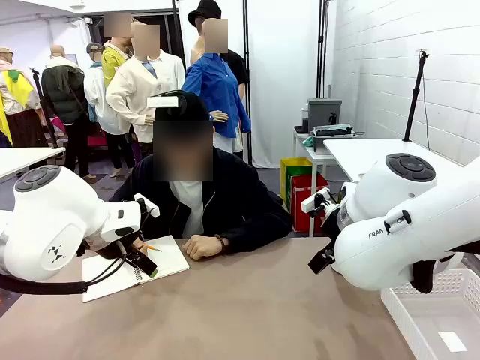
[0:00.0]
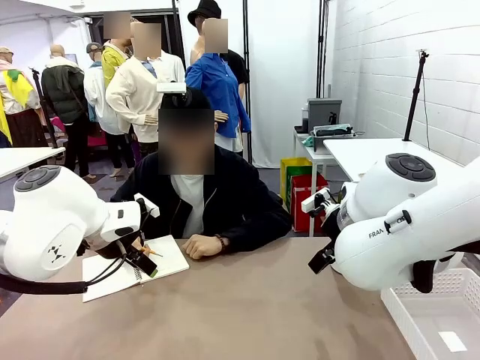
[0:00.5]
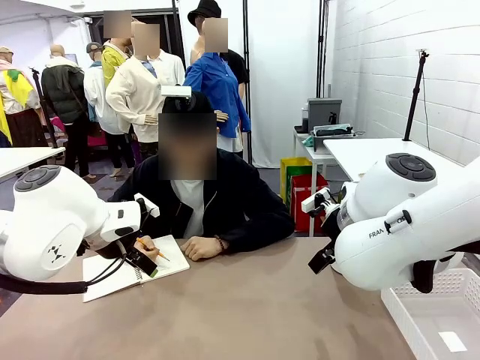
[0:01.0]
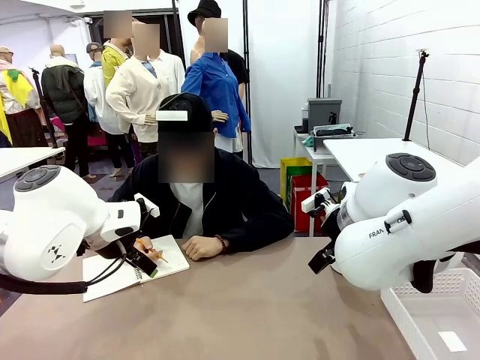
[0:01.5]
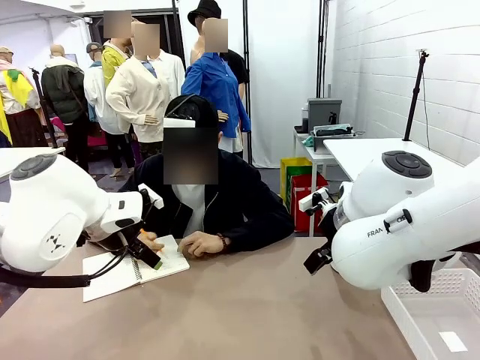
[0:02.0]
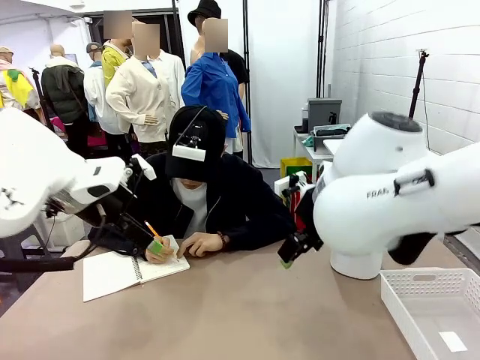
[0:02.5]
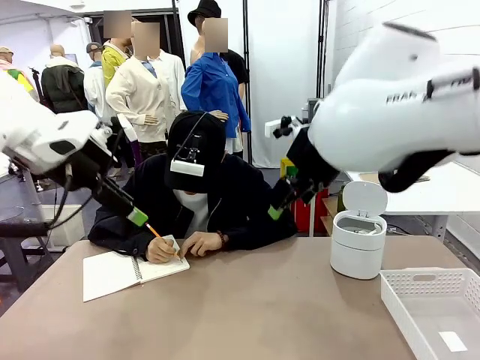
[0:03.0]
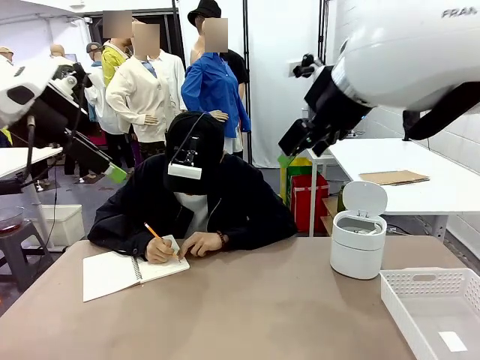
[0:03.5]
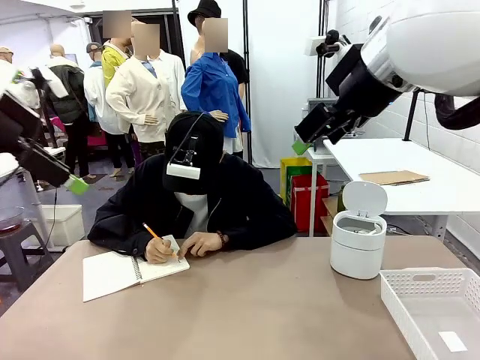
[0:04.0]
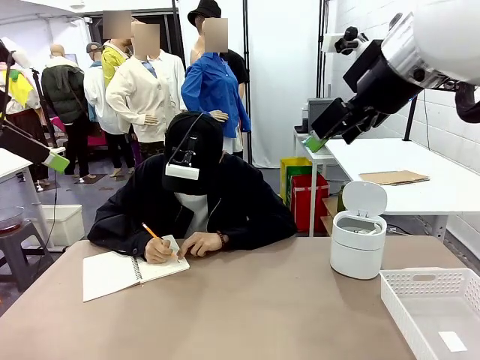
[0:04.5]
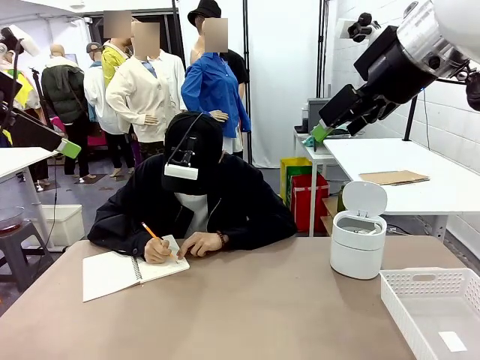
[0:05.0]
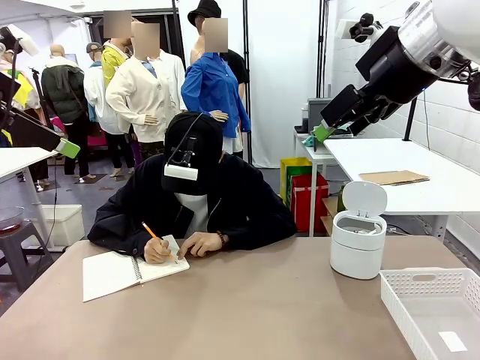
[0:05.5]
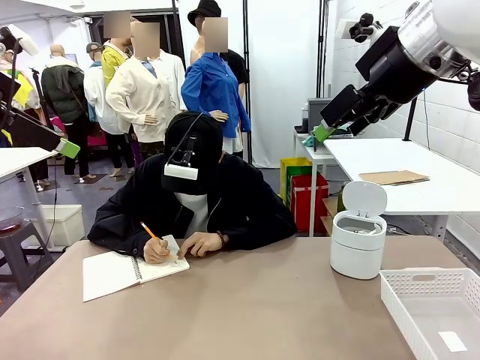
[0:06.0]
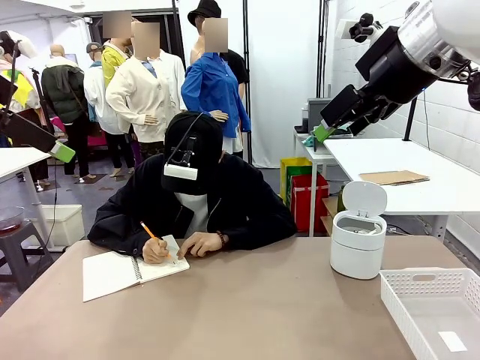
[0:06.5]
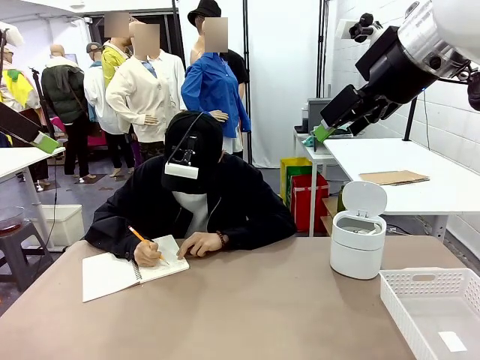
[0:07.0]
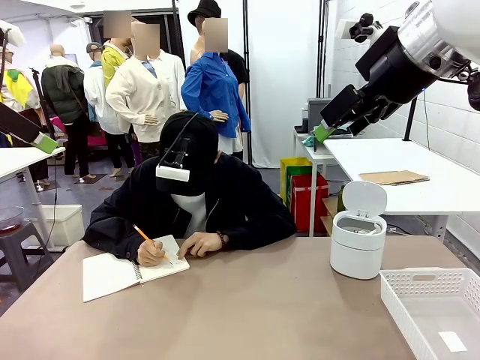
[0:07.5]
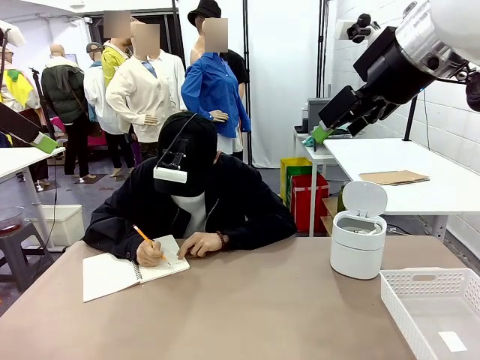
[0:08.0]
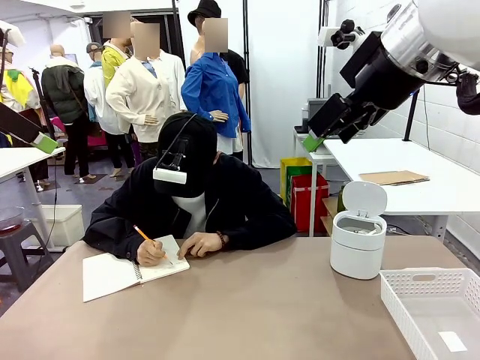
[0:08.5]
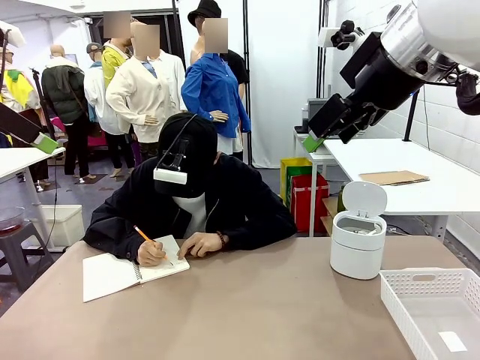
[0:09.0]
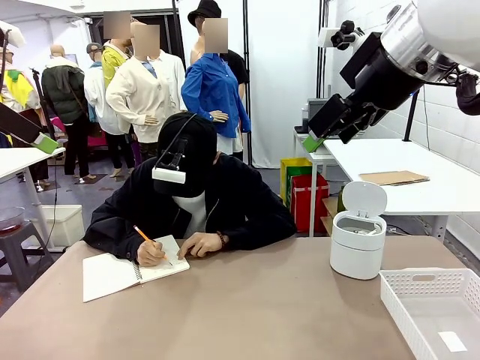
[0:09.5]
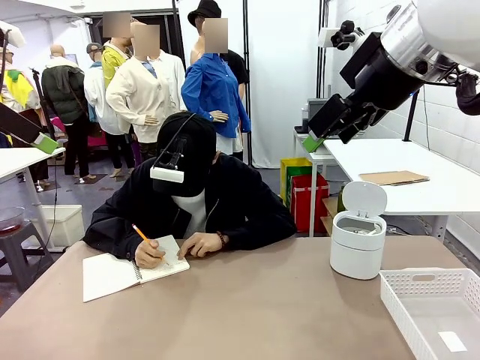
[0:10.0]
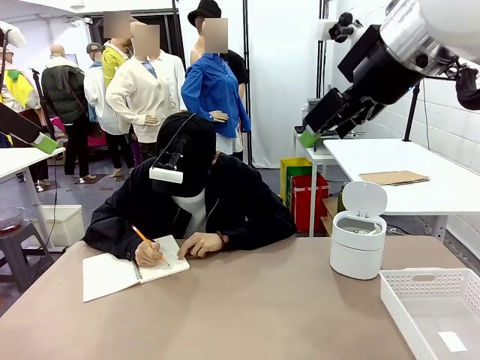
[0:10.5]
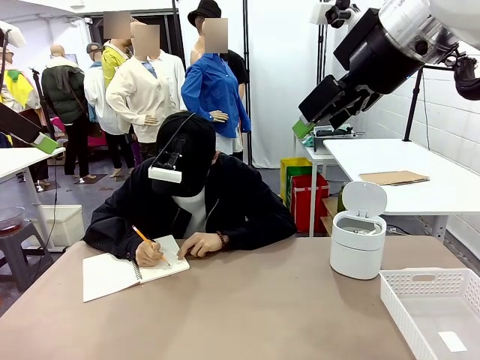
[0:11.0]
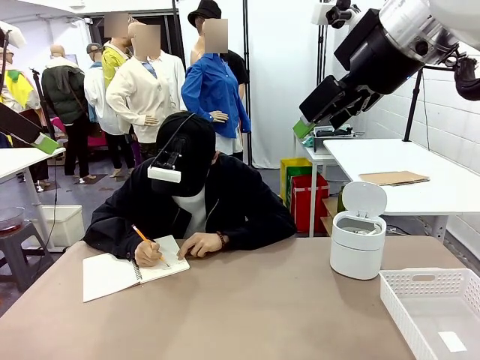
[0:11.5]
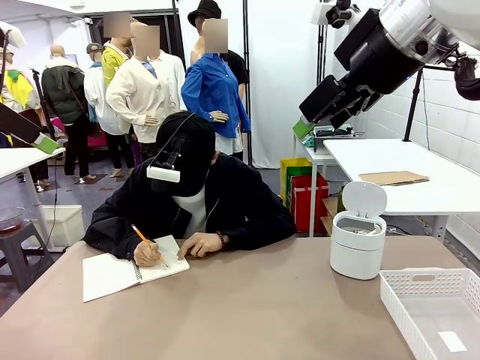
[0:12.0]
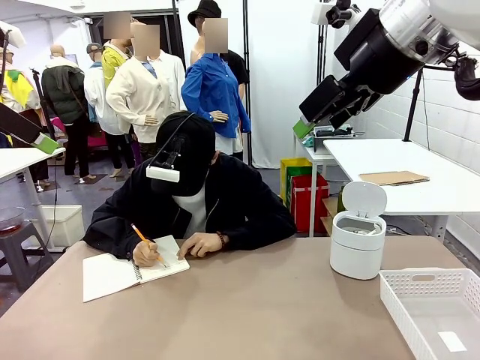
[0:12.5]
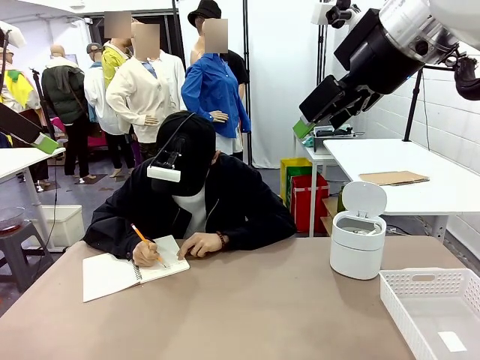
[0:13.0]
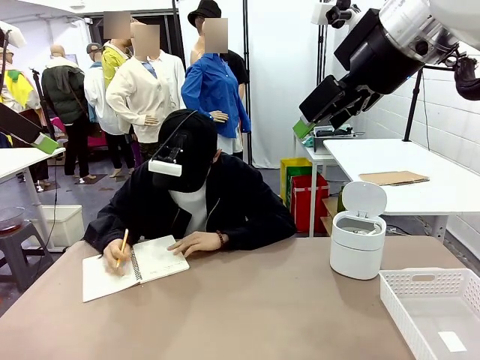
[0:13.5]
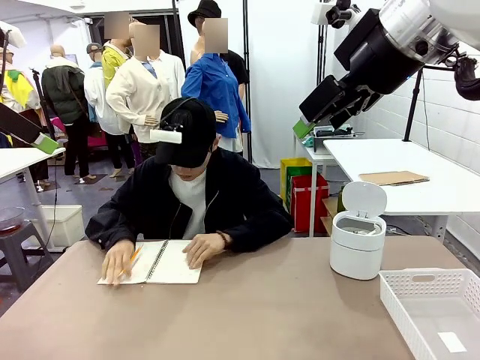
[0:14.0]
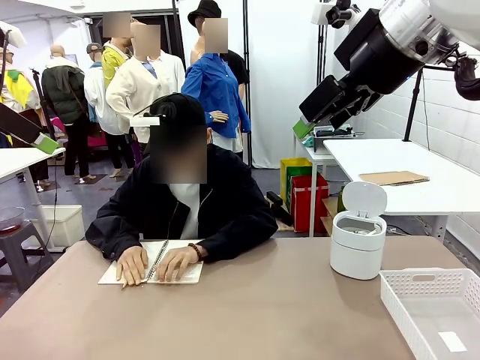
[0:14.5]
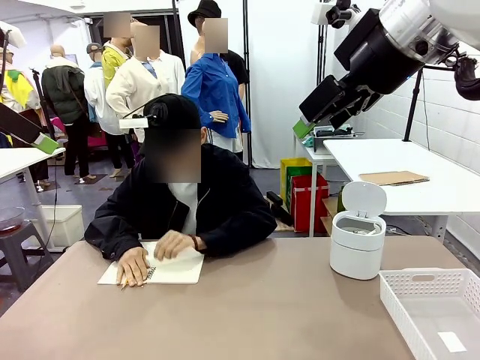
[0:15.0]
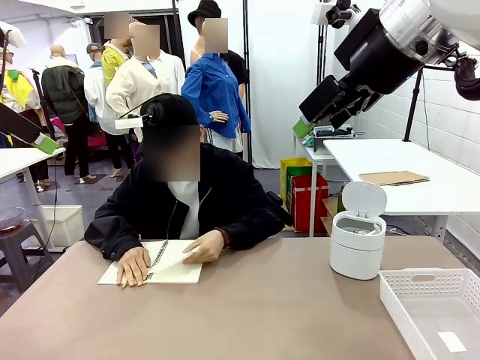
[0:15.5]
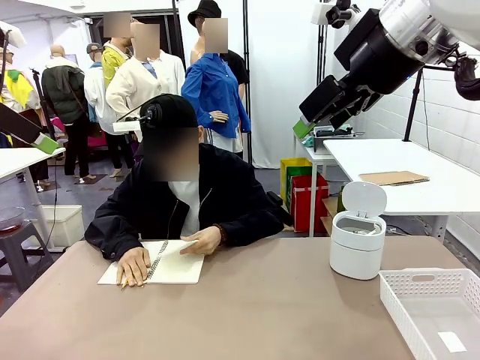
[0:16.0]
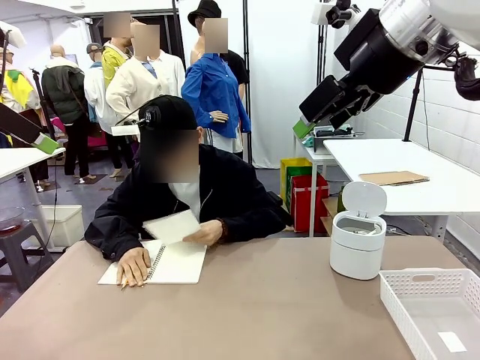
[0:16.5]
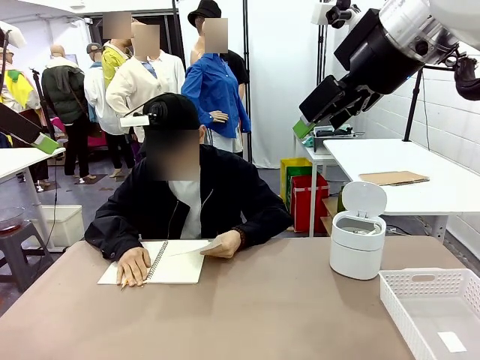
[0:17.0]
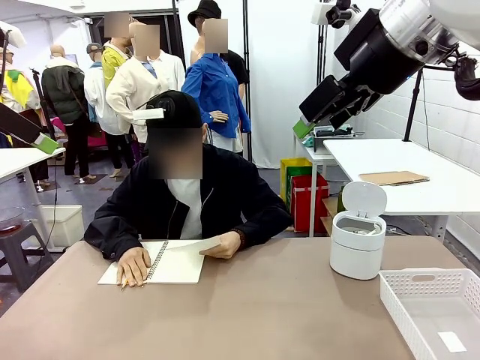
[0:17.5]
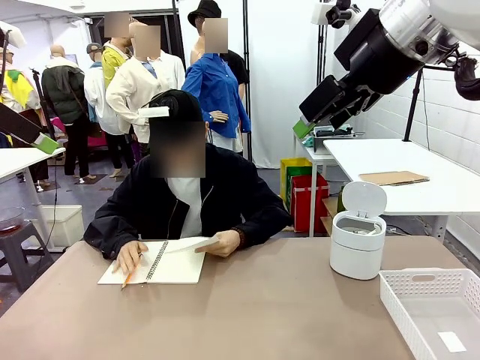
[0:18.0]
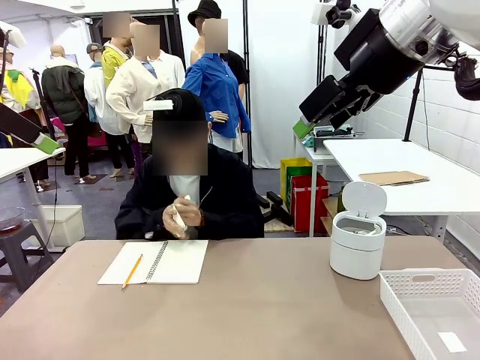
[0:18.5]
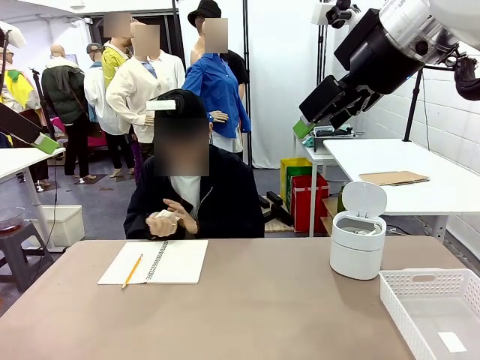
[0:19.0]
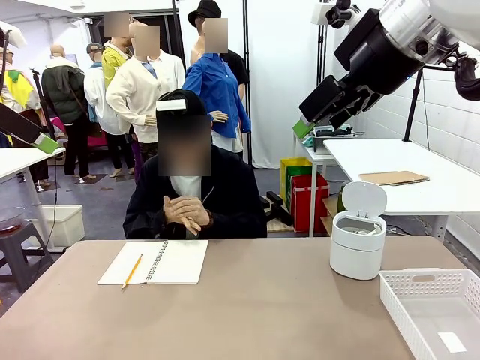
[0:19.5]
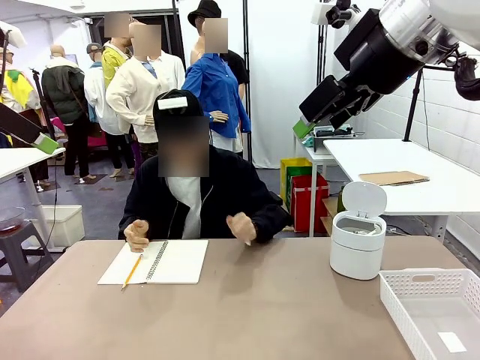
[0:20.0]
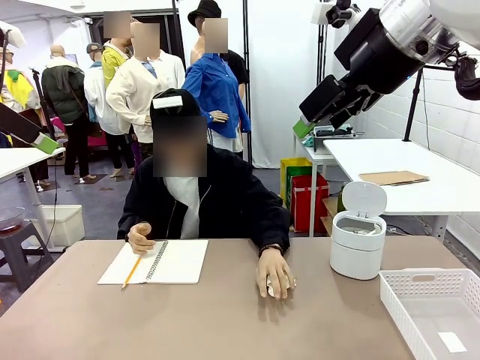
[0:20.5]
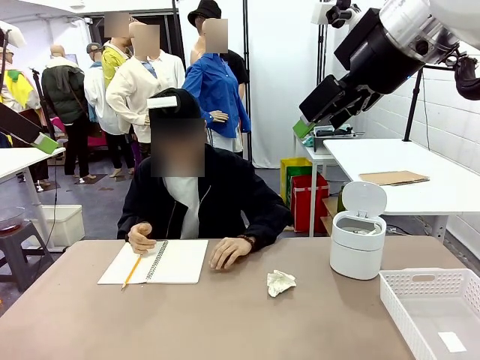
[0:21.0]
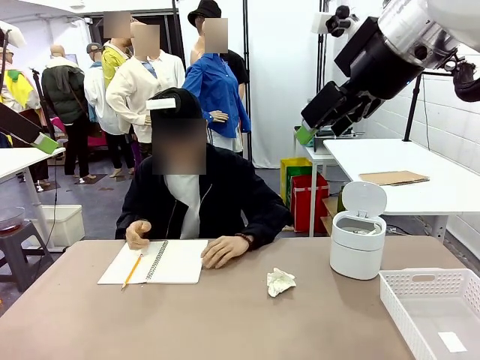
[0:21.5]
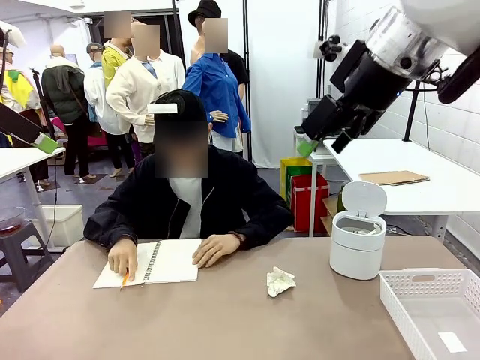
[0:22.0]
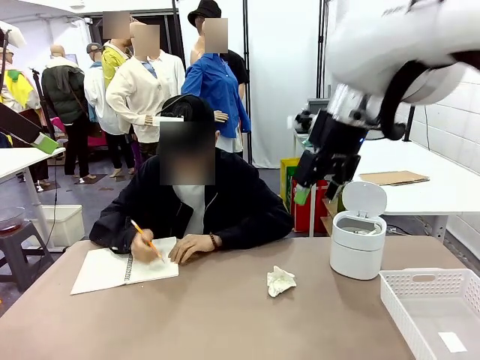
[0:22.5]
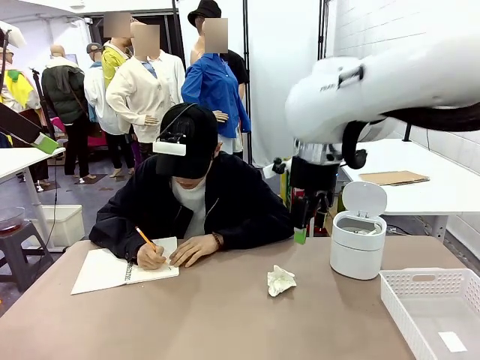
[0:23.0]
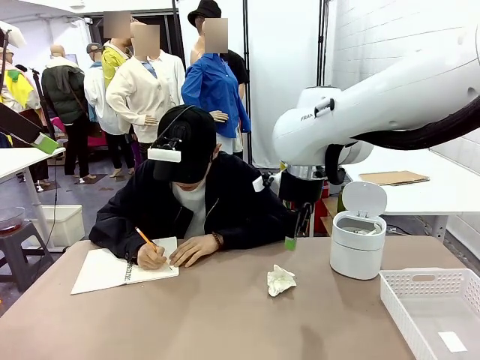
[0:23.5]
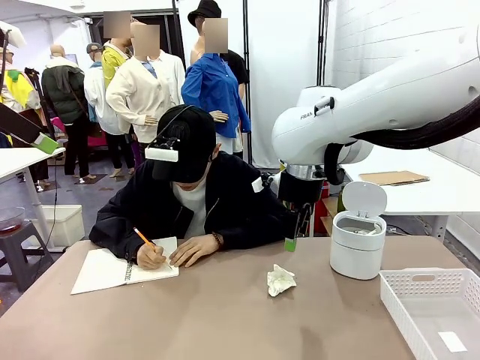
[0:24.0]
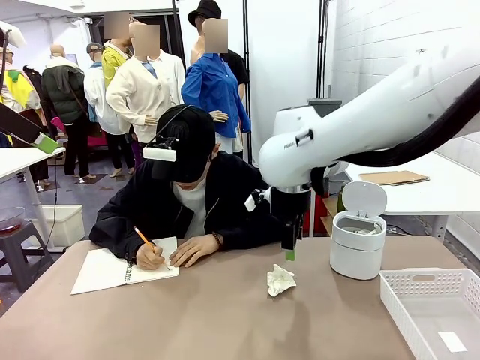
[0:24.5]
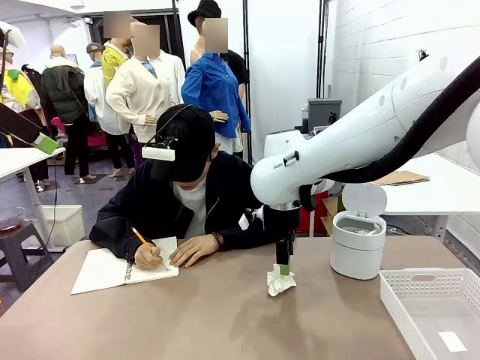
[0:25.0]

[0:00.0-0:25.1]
Task: Sort the paper based on its condition.
Robot: If a person hands you a paper, place it in the Organizing basket , and if it's crumpled, put it in the Trash can.
Person: Tear out a page from the spiral notebook. Hand the torn page to the robot or crumple it and throw it to the center of the table.
